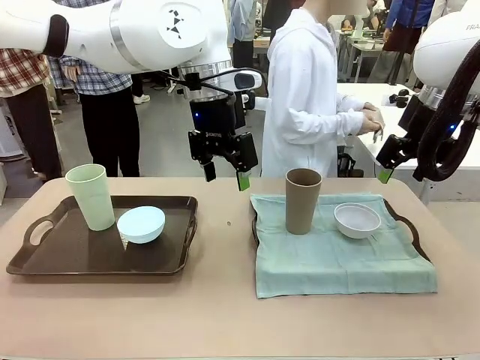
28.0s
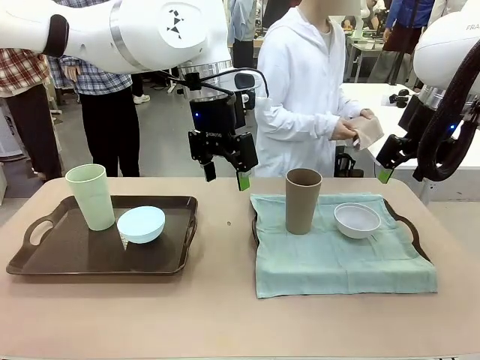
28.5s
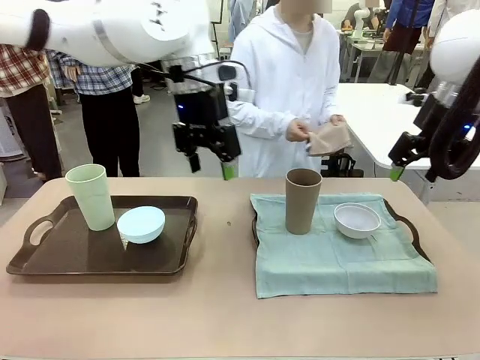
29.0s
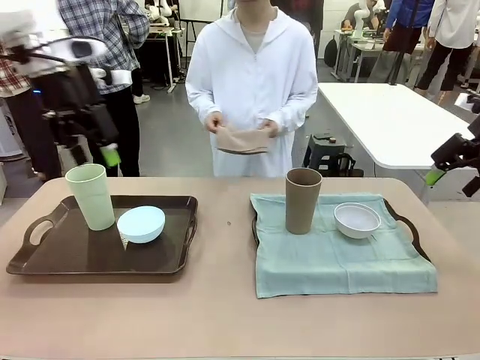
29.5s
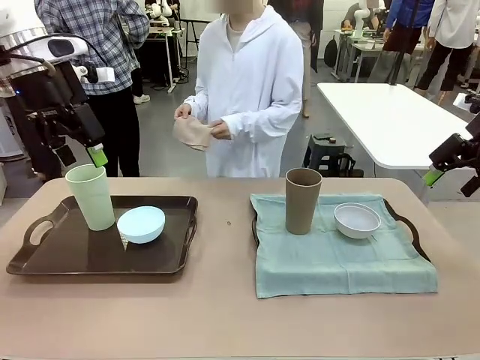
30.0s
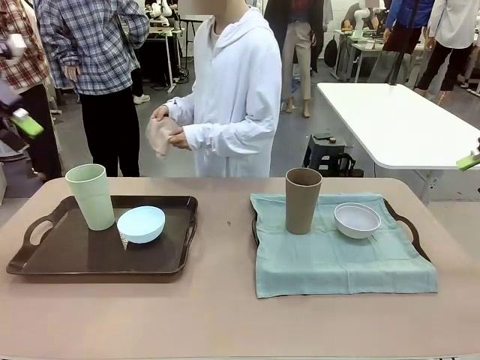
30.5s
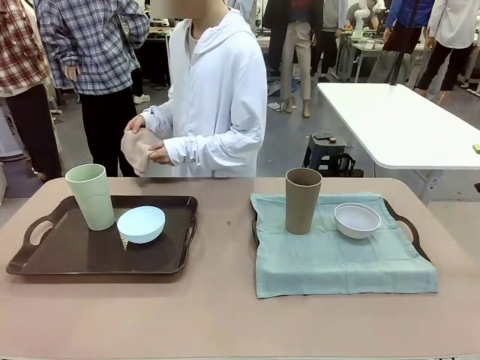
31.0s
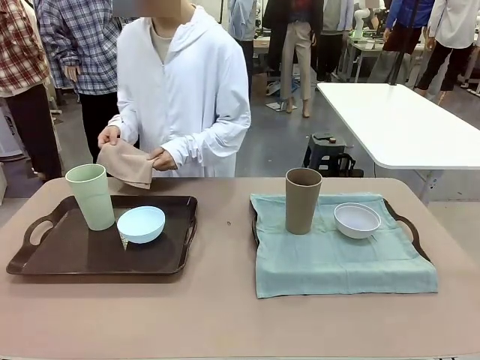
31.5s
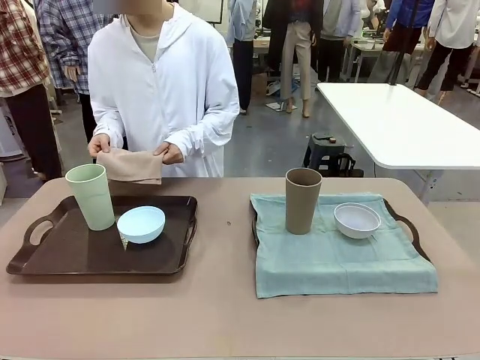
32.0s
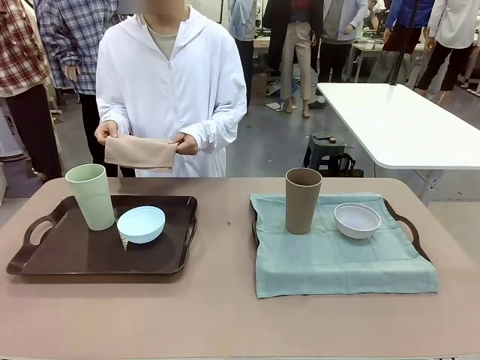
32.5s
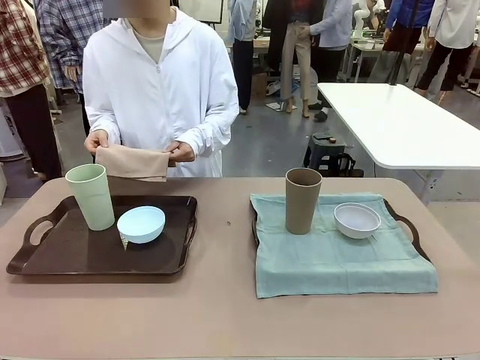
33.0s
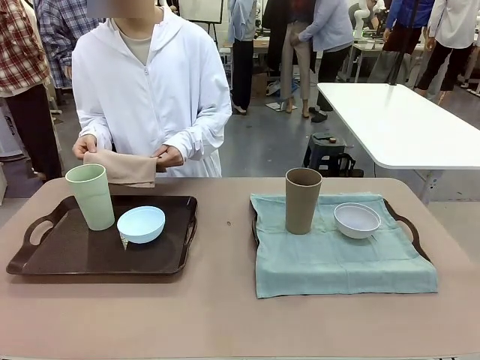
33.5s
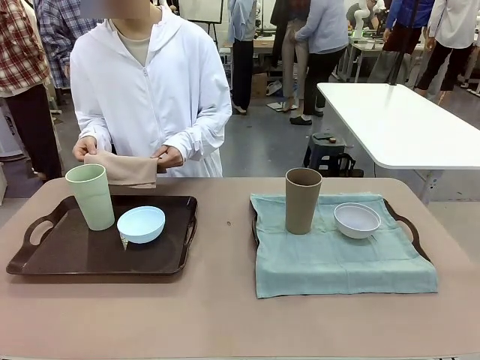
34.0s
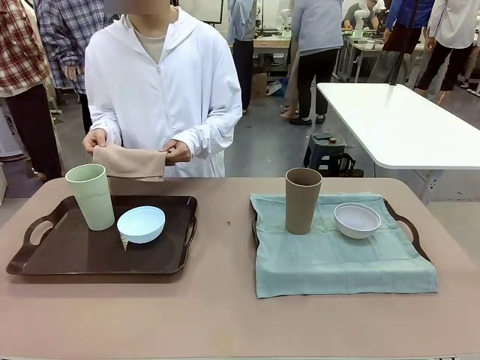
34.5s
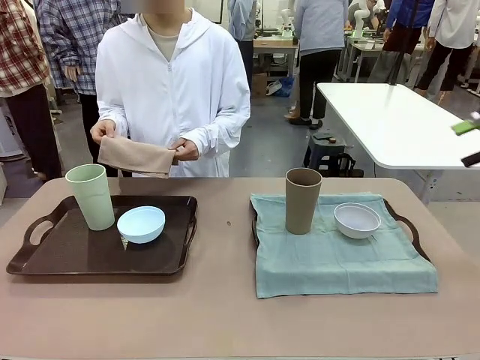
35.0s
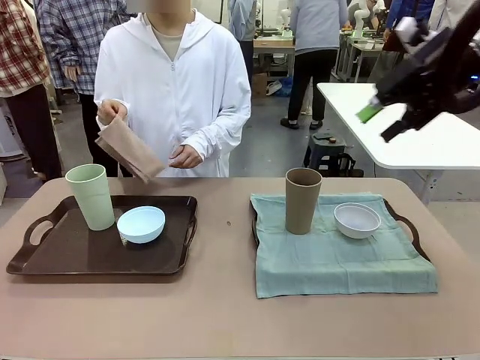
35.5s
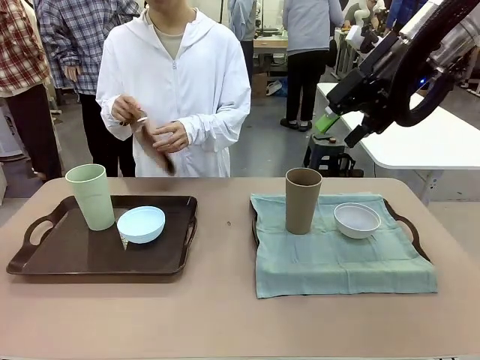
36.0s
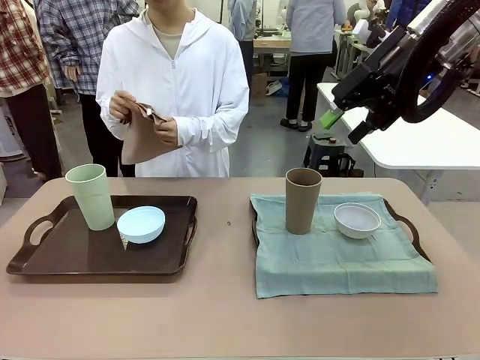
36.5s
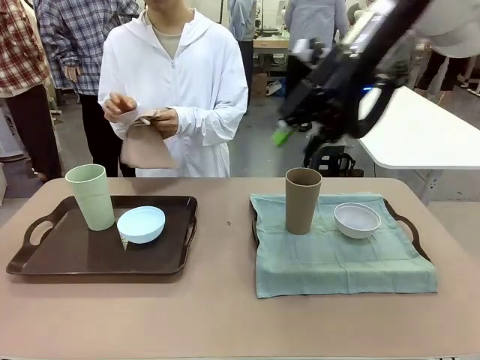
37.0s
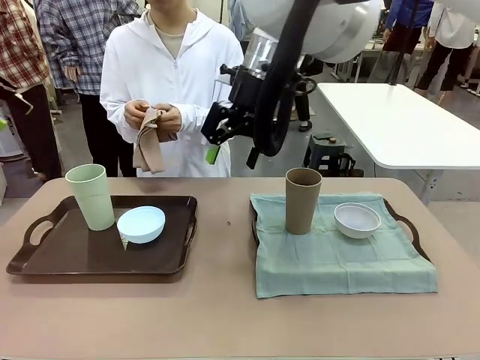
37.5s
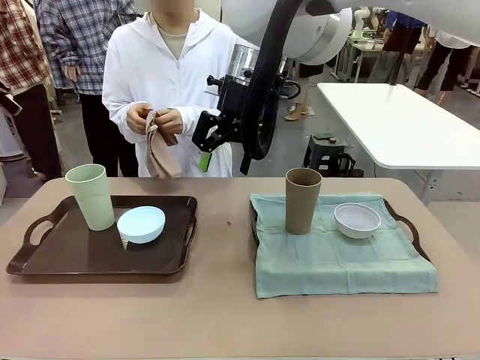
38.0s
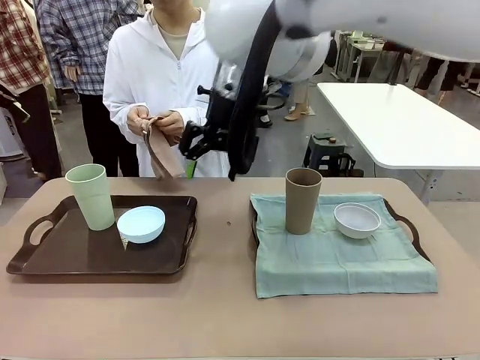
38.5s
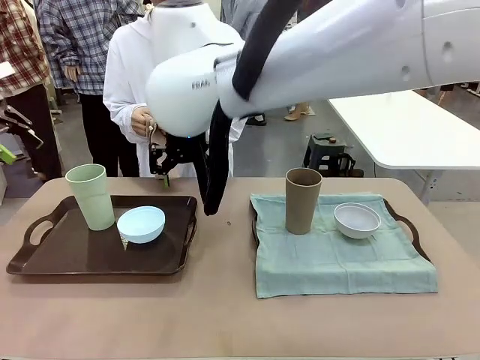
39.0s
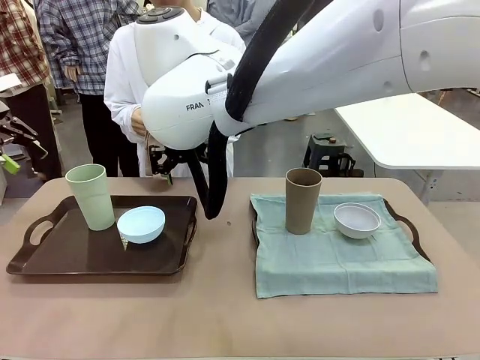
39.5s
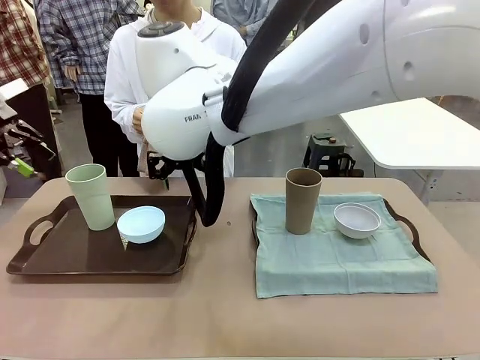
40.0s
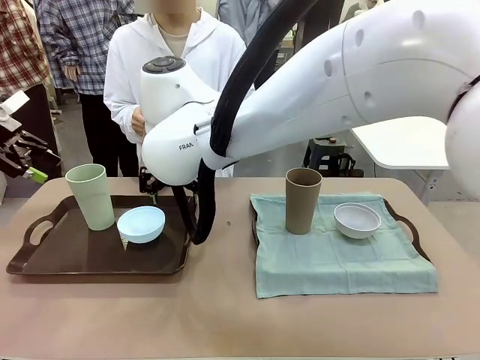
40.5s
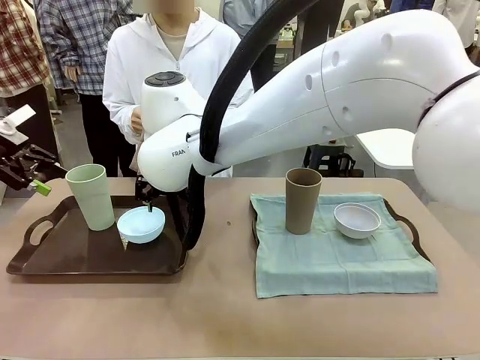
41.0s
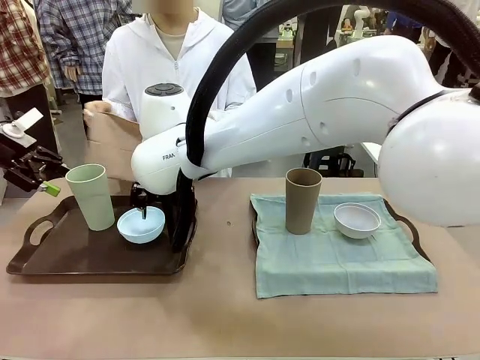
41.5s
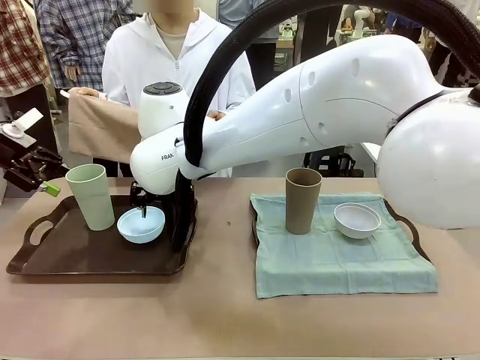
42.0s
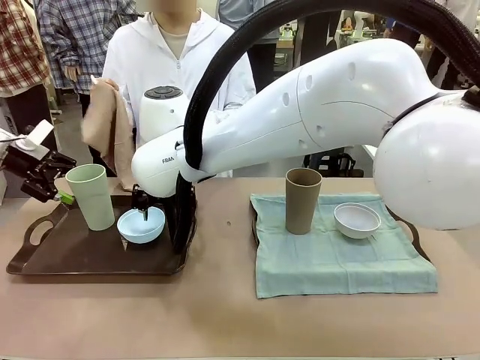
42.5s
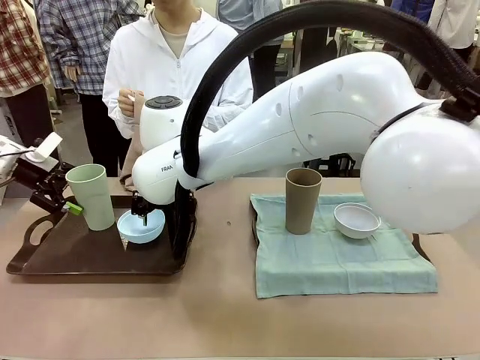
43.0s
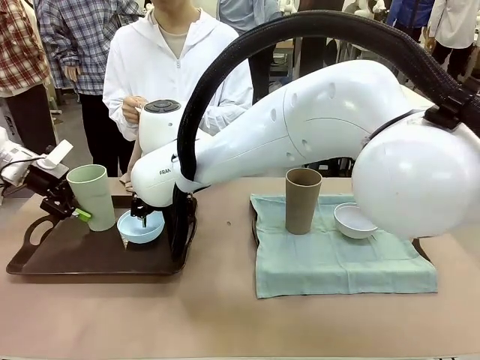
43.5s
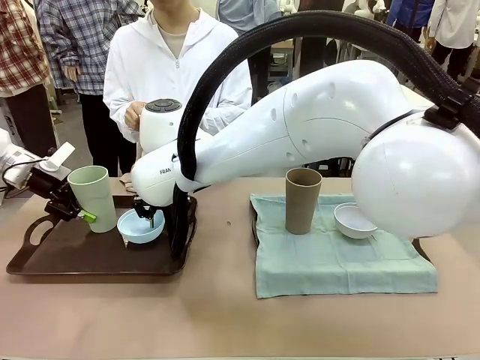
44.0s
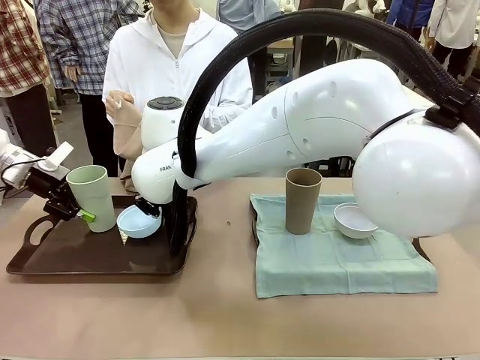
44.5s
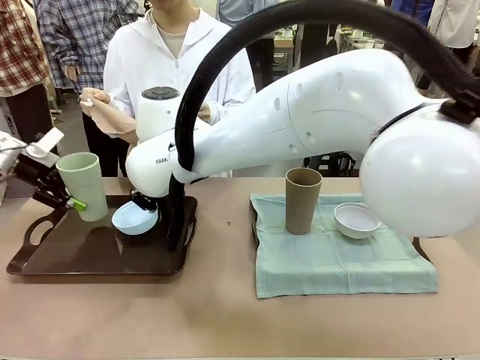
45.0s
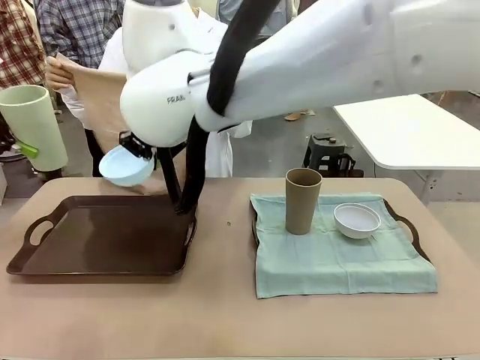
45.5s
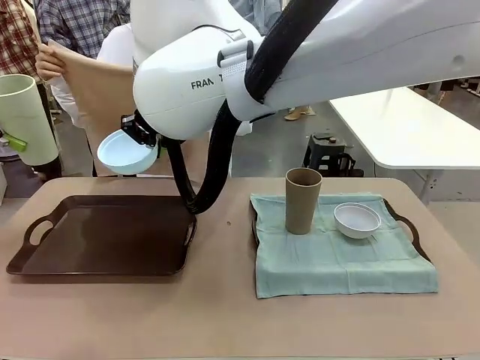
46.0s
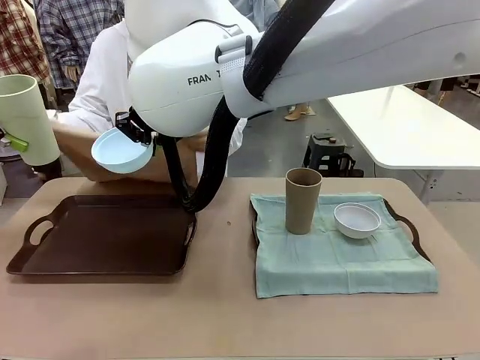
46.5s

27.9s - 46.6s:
Robot: Pick up the Picnic Bowl and Reusable plastic cup from the Handle tray in front of the human's position and hold them in the air.
Person: The human returns to the human table to pick up another napkin and walks to the robot table to stand in front of the tray without a napkin.

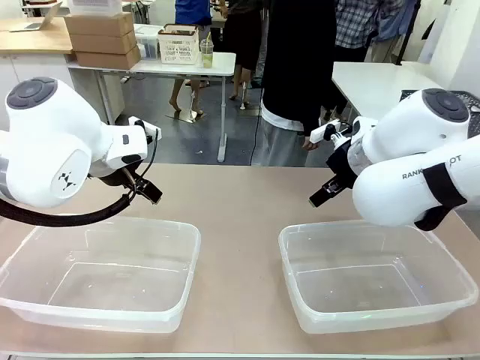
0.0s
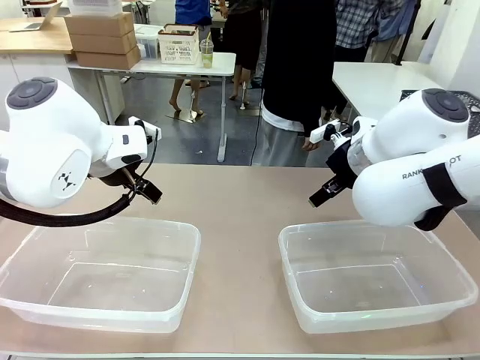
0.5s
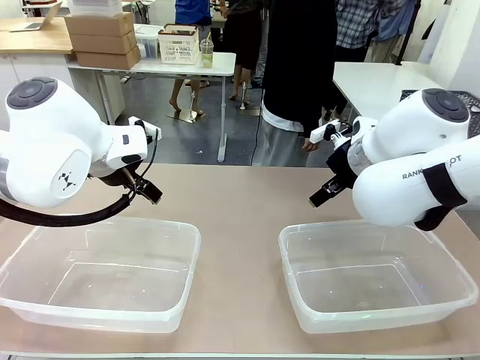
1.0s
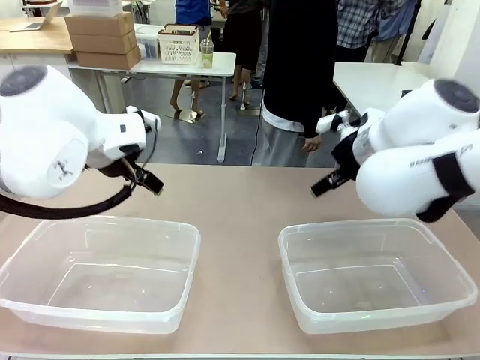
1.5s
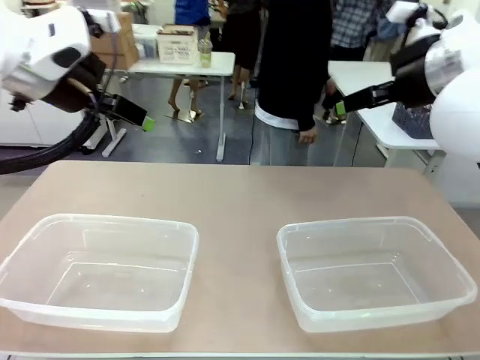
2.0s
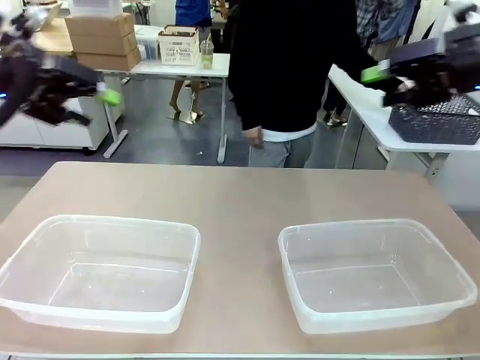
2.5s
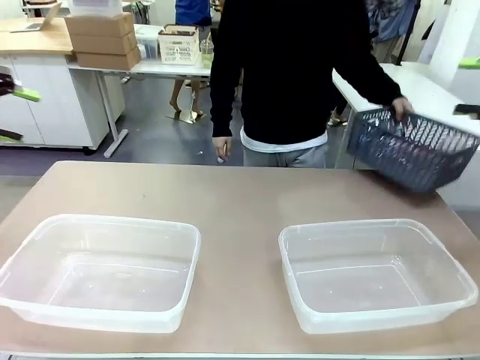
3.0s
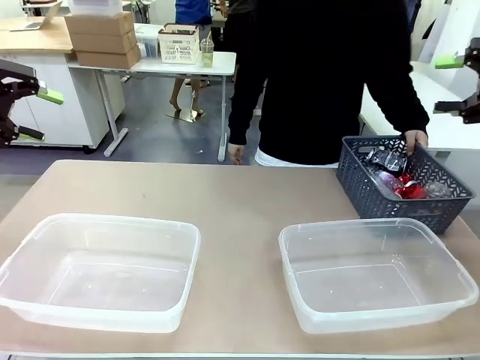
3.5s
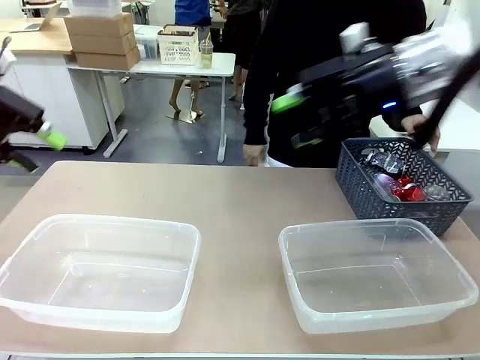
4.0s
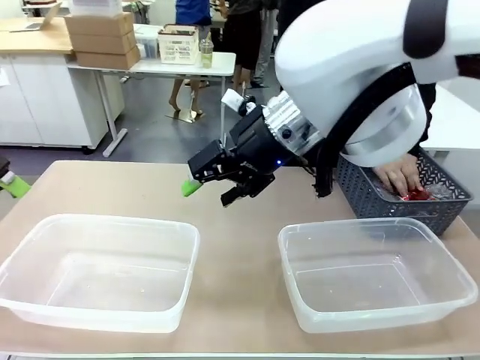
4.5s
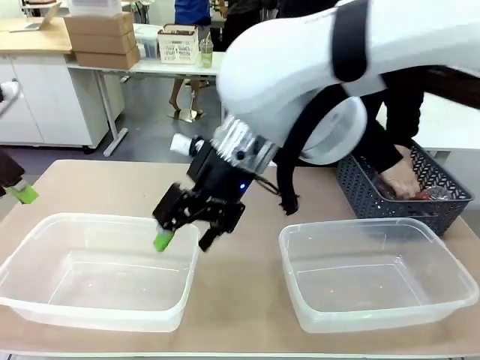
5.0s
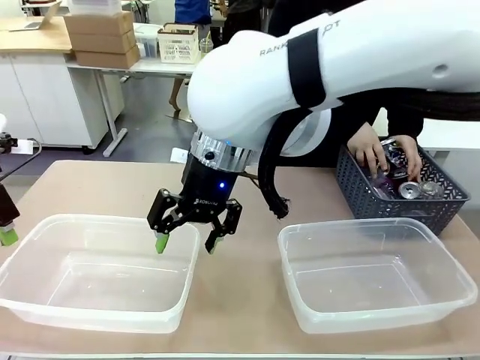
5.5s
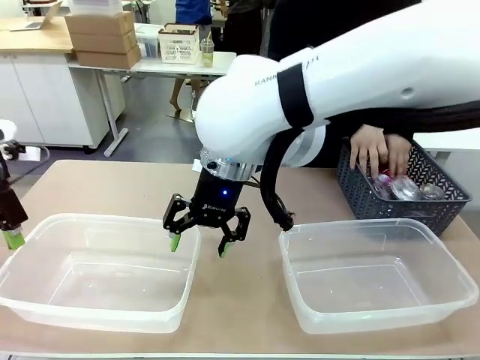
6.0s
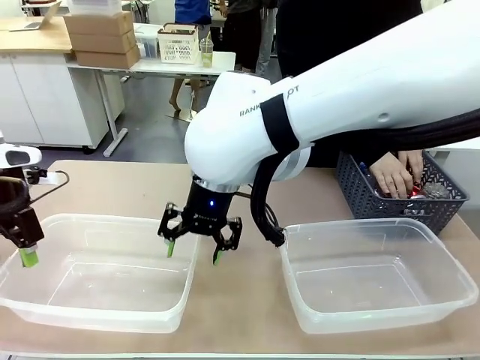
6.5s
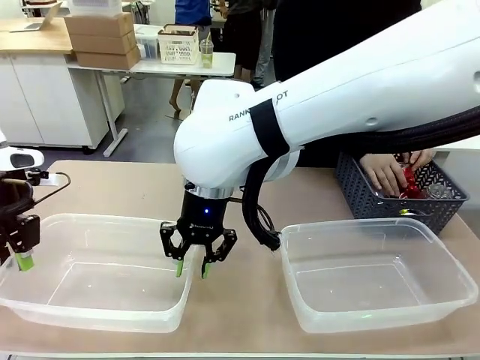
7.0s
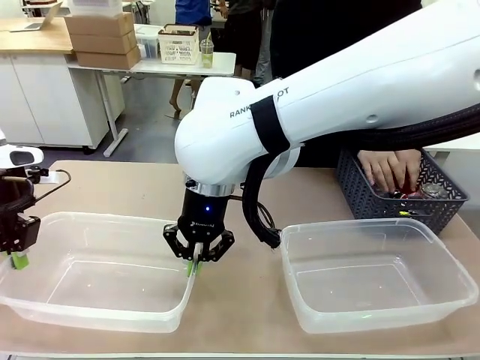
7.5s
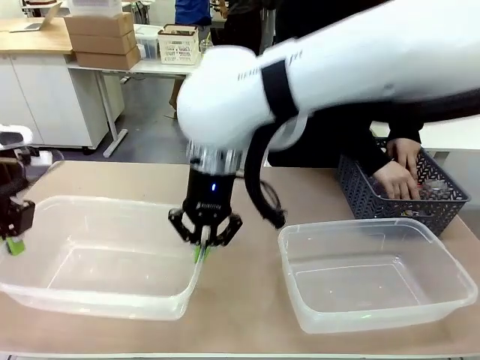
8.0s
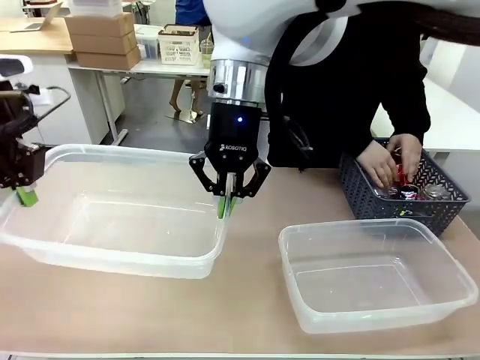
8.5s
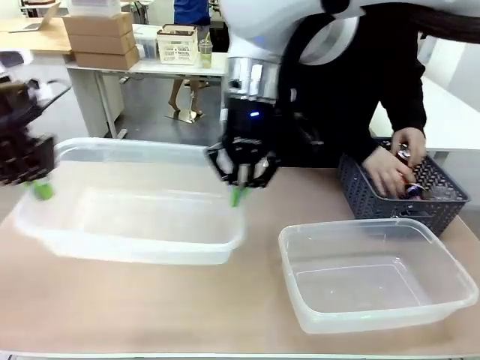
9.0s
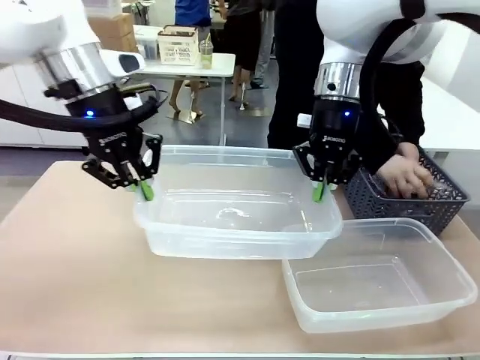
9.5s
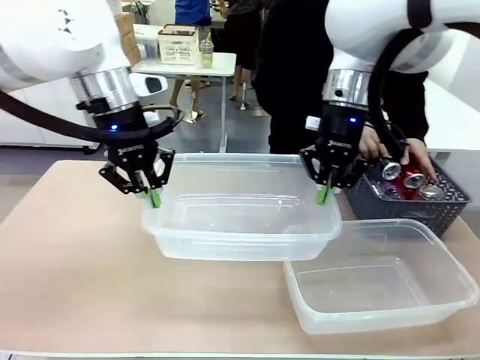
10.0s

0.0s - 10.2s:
Robot: Pick up the Organizing box on the left side of the table and lift it.
Person: Pick up the storage basket and place it on the left side of the robot table. Pick up can-shaped waste one by one and place it into the organizing box lifted by the robot.
